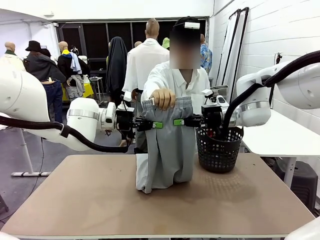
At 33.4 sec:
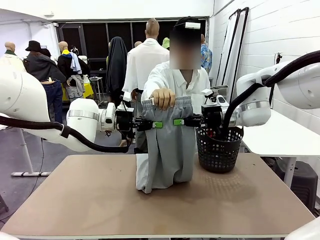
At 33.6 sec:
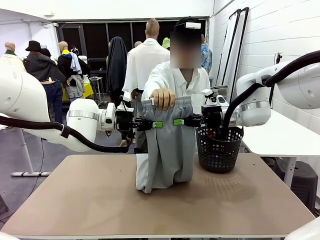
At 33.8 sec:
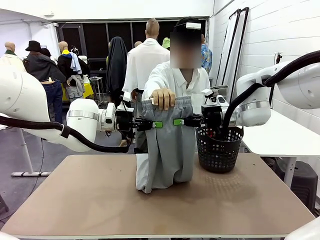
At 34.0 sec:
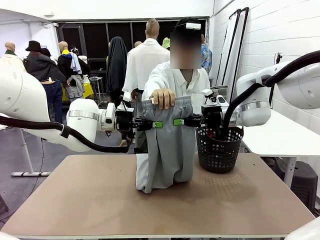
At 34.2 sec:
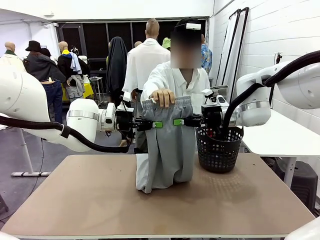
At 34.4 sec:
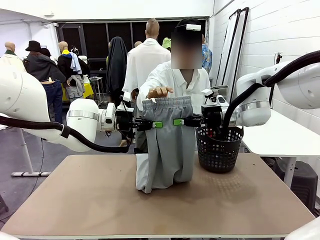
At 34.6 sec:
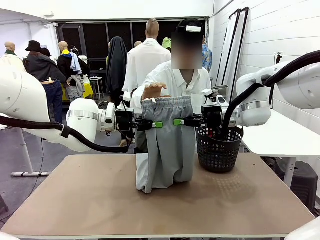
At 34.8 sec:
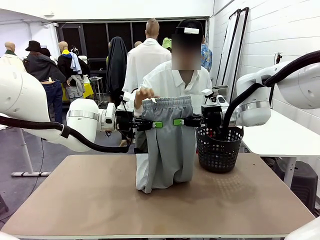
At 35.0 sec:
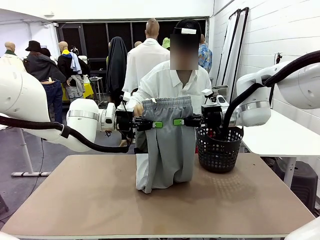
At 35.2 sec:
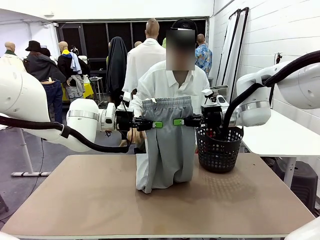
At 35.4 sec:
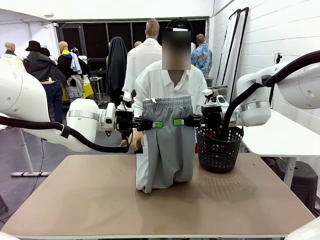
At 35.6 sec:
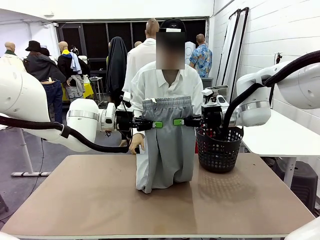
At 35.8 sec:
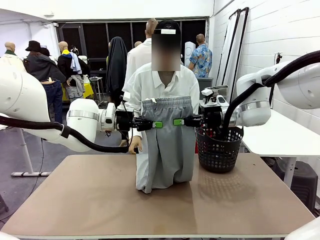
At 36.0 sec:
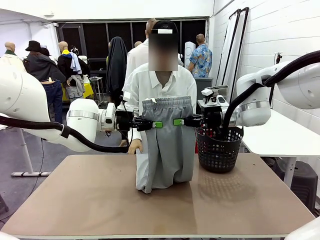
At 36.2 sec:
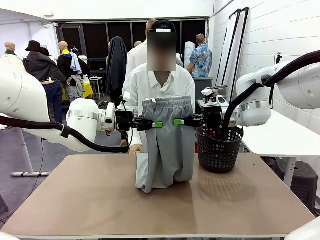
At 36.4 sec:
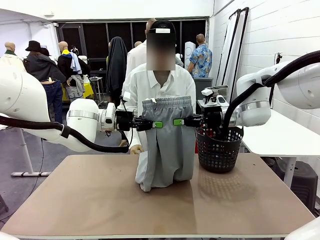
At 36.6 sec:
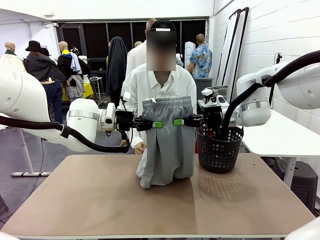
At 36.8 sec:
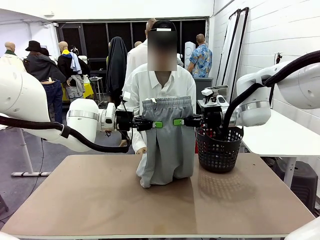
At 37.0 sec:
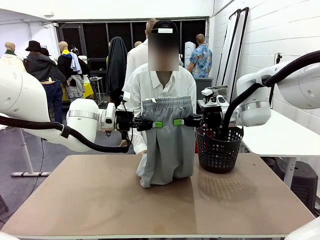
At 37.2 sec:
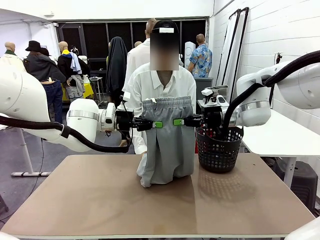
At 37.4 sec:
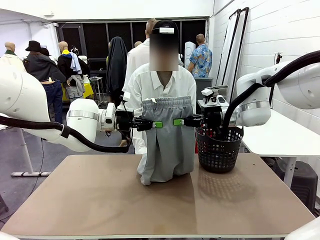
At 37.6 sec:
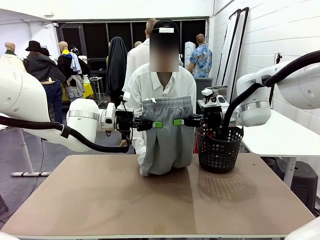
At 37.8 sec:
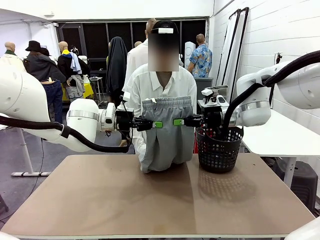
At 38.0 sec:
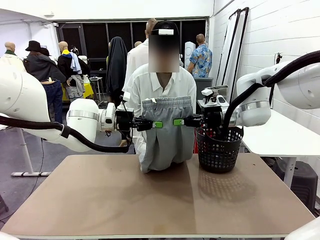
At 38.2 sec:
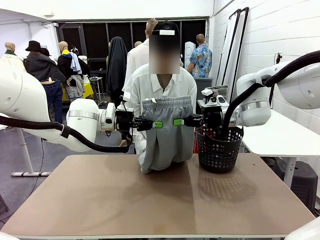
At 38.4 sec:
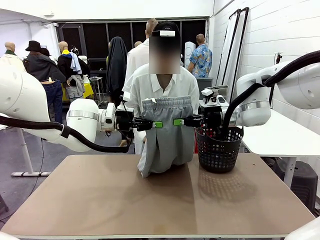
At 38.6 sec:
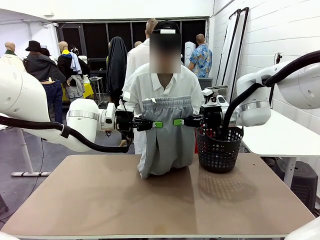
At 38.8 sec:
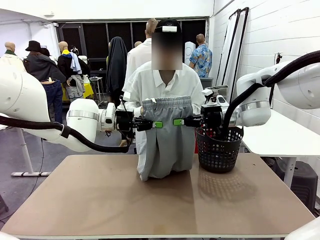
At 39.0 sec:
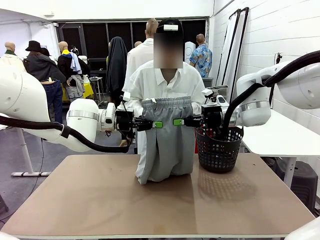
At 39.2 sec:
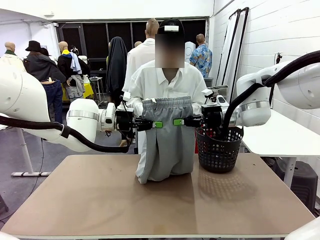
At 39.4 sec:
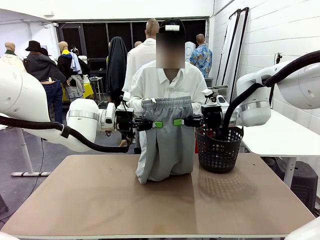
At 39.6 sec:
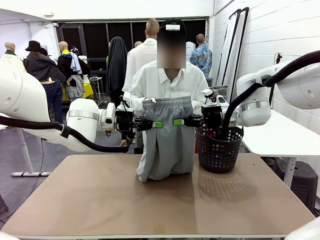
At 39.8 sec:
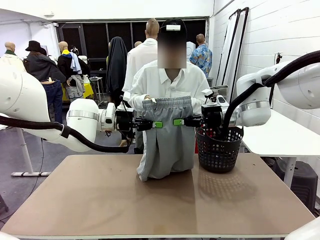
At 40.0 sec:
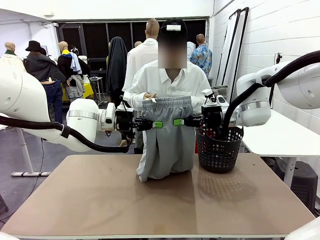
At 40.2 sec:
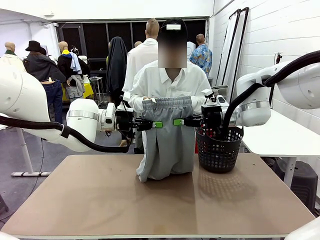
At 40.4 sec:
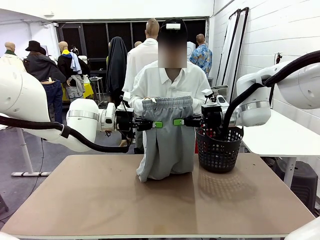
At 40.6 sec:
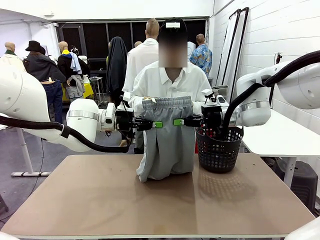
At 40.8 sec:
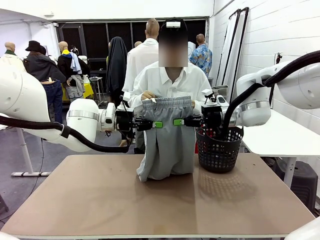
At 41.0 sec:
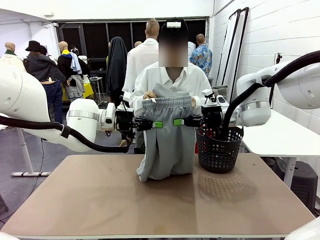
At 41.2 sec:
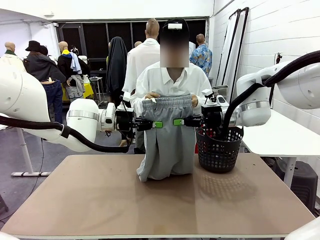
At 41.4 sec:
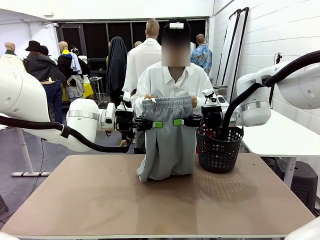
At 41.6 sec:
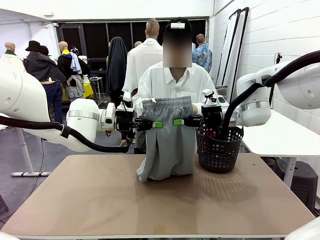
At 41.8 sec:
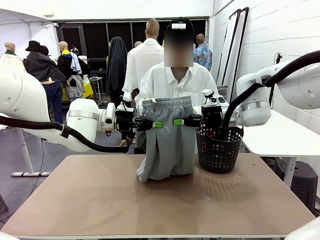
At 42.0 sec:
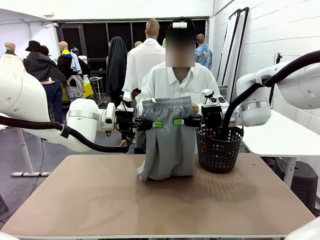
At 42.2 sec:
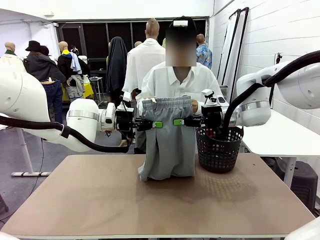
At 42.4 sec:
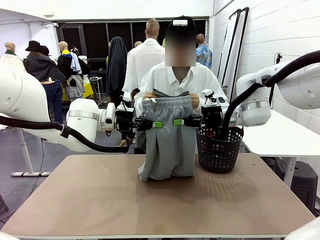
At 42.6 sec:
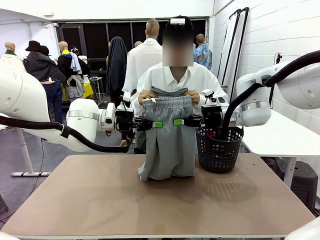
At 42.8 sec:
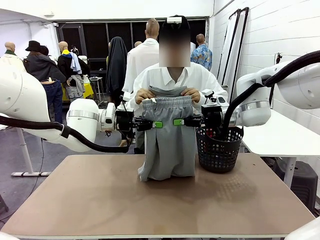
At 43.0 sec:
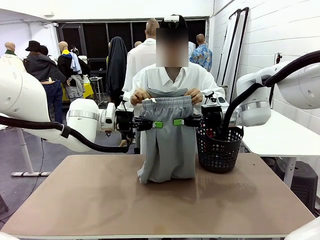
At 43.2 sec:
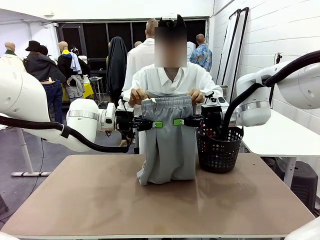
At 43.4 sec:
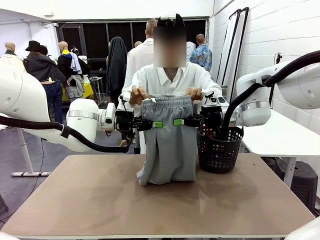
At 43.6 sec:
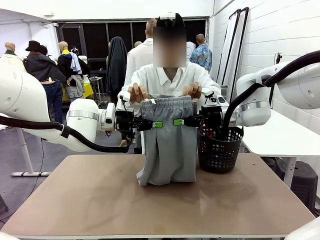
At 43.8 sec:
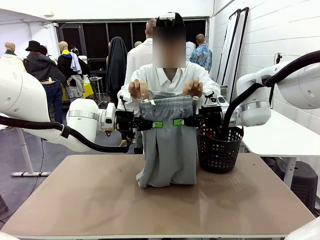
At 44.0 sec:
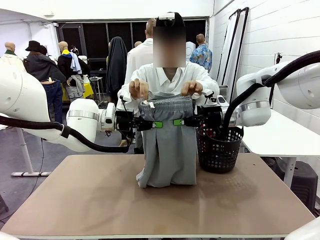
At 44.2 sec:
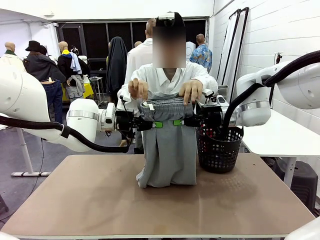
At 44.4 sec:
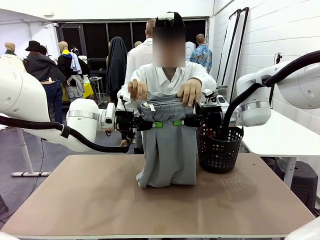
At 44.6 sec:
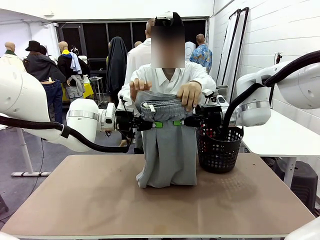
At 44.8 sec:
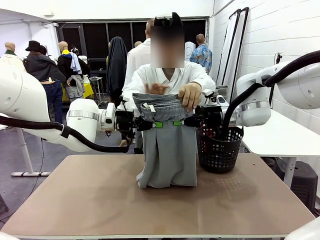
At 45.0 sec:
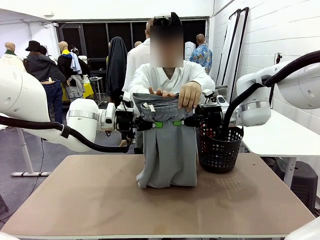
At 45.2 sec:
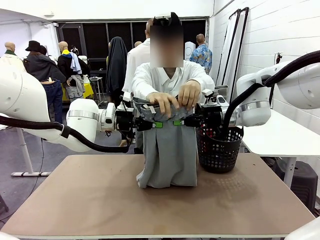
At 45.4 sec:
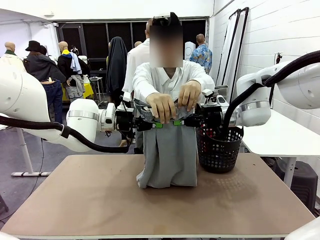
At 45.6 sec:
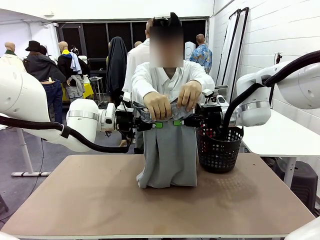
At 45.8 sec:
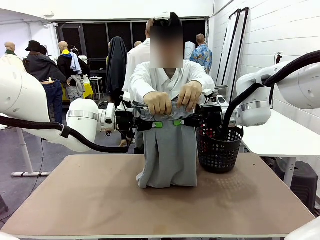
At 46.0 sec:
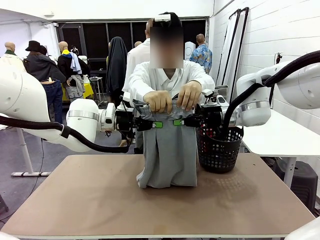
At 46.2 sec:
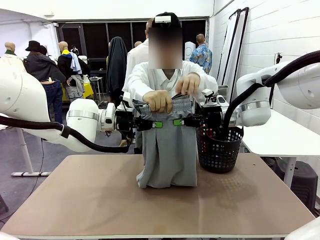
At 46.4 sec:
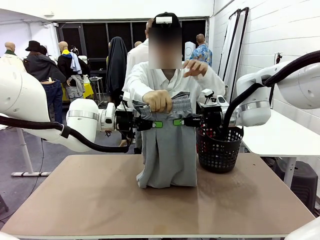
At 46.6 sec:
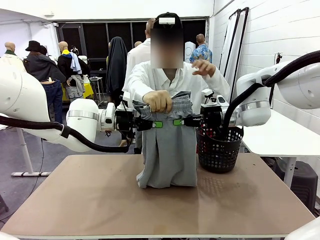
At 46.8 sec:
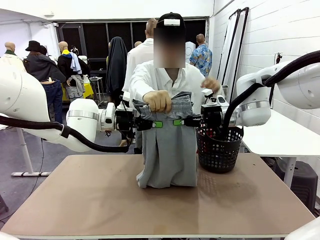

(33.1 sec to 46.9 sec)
Task: Fold the training pants.
Robot: Release the ends of the Training pants and then grab the overlapped ends.
Person: Grasp the end opposite the point the robot is holding, fold the pants in half, and then grasp the overlapping top end of the folded pants.

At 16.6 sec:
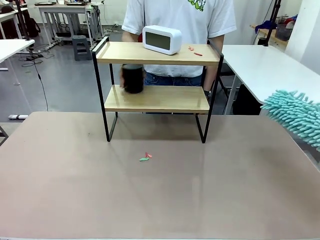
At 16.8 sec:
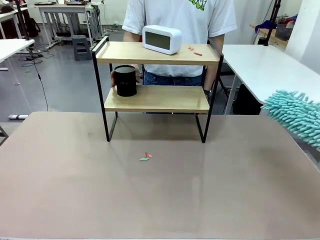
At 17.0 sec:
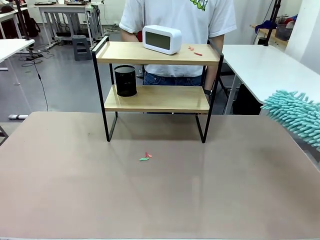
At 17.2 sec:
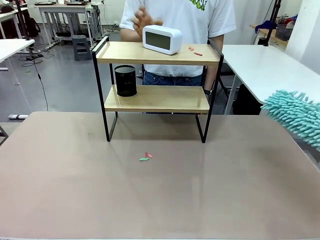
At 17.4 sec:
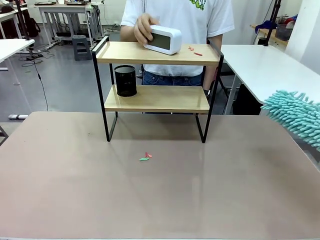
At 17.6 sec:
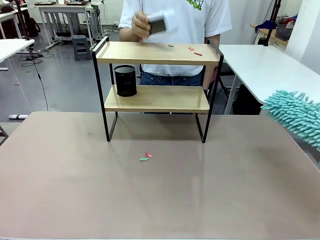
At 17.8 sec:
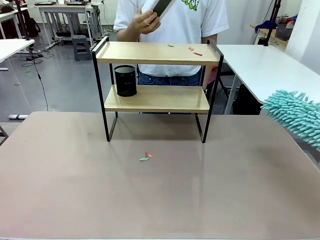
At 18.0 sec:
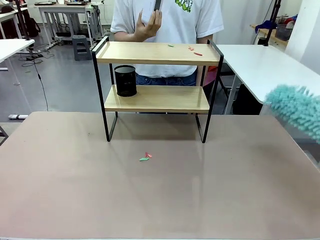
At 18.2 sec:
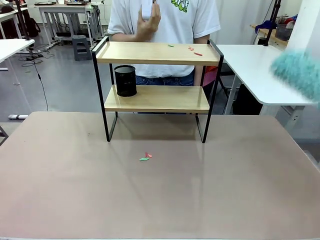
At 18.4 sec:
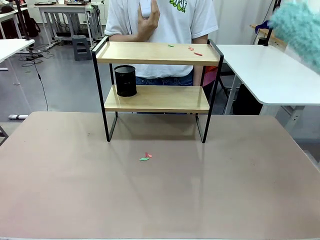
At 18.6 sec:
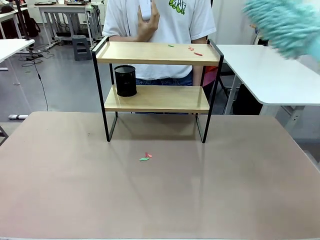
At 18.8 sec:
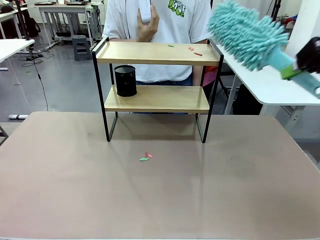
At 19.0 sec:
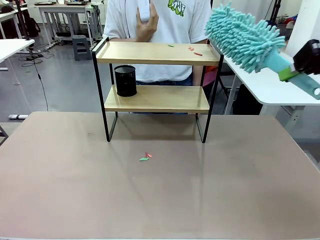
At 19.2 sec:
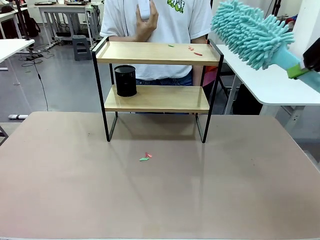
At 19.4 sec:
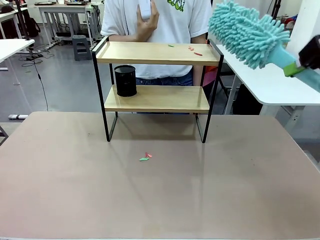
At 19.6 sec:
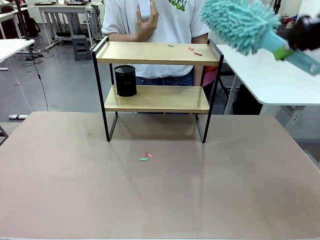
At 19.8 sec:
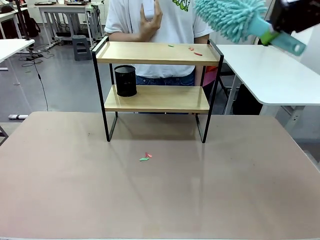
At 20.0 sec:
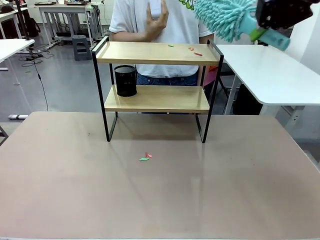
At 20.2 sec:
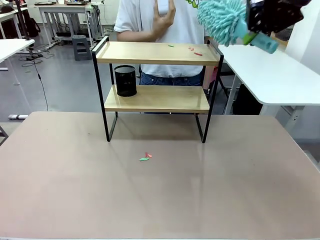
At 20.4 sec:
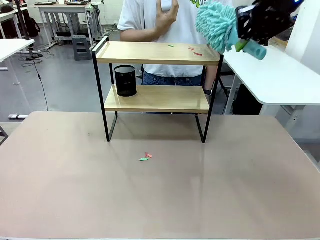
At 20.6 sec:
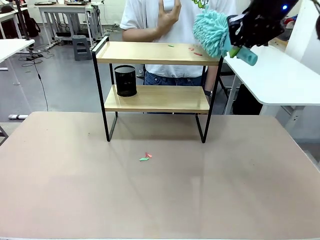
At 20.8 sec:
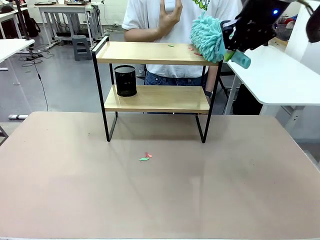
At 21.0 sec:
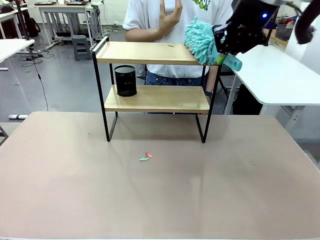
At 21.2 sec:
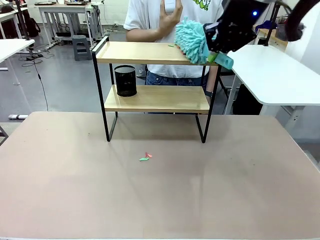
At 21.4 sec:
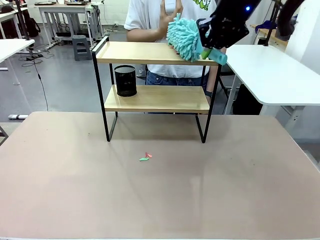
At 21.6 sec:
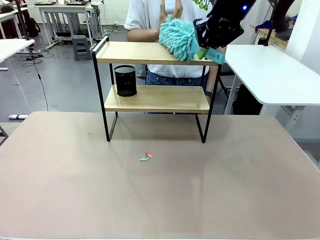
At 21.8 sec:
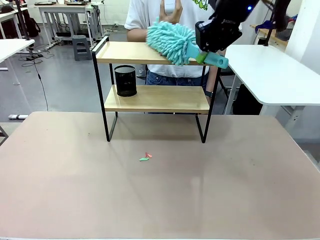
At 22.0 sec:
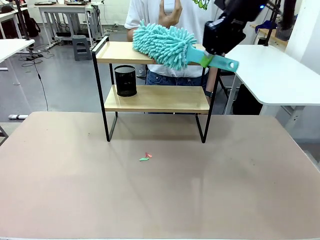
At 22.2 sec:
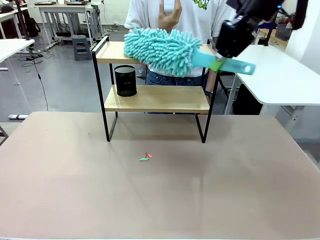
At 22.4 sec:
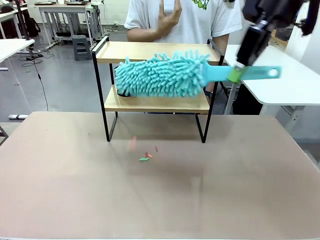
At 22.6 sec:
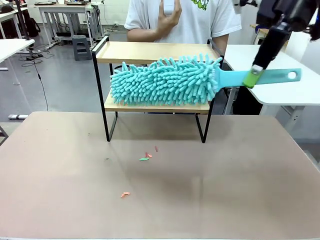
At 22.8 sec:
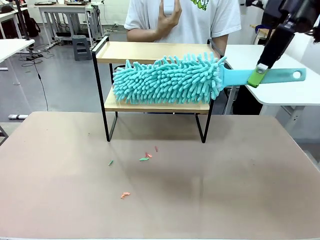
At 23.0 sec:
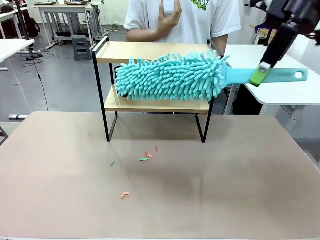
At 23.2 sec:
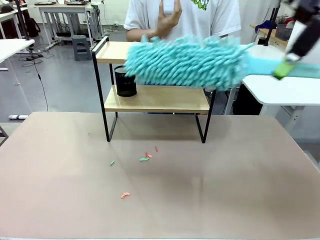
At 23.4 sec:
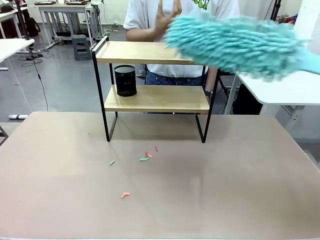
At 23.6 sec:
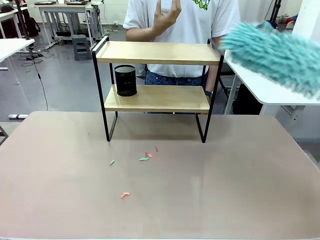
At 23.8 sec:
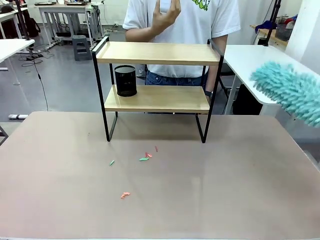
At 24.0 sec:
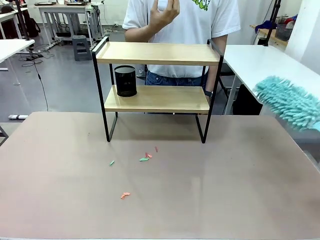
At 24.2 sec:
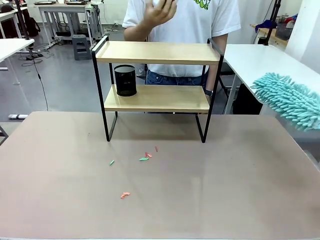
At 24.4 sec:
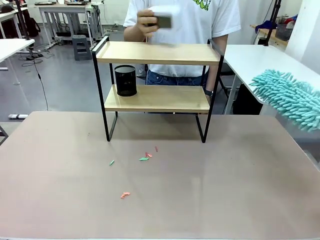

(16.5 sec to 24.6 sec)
Task: Clean the shelf.
Robot: Clean the remaining tier of the Shelf with the Duster once objects are removed.
